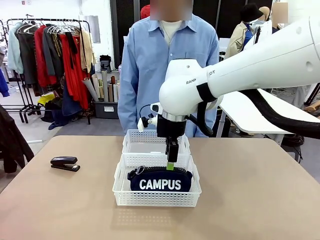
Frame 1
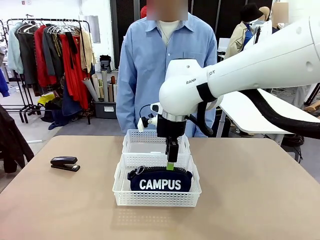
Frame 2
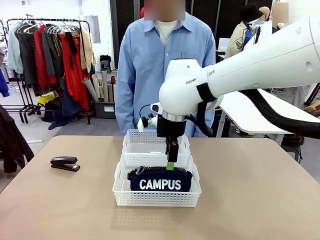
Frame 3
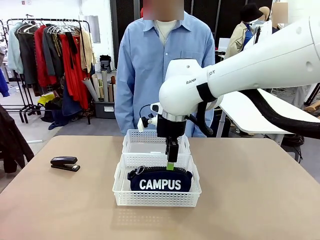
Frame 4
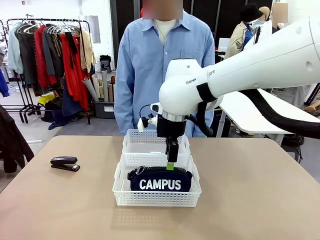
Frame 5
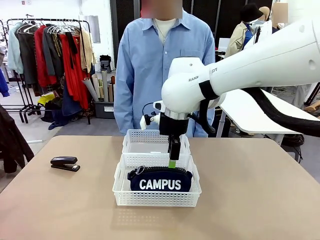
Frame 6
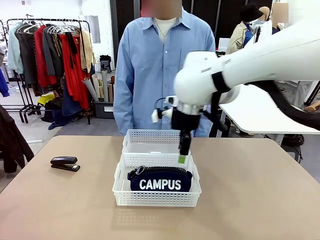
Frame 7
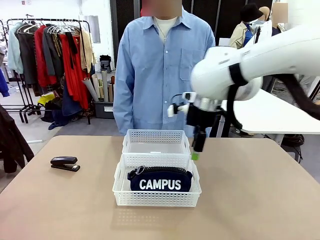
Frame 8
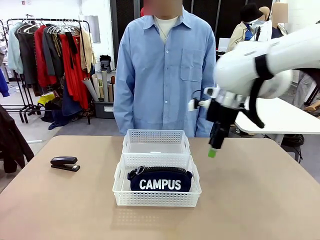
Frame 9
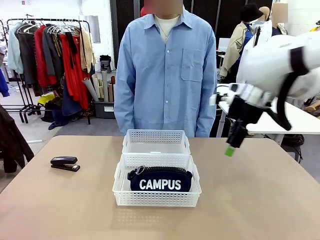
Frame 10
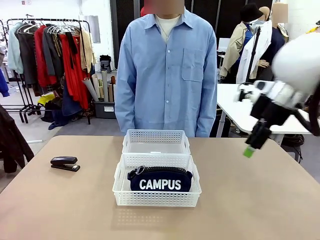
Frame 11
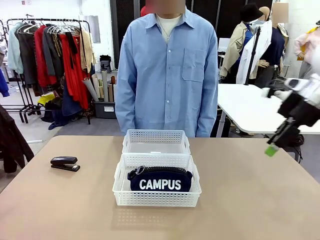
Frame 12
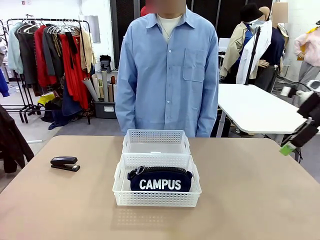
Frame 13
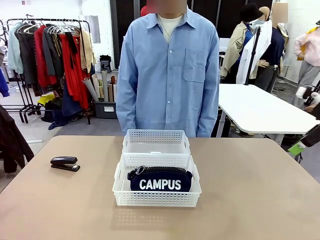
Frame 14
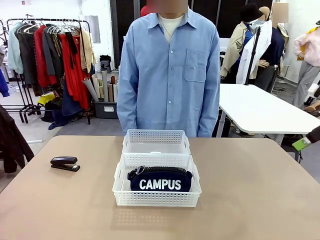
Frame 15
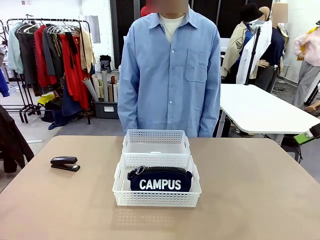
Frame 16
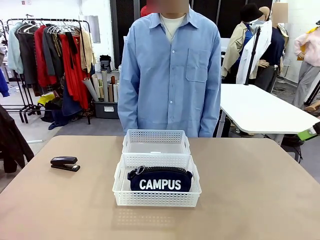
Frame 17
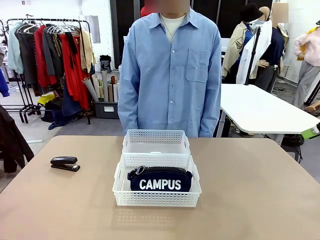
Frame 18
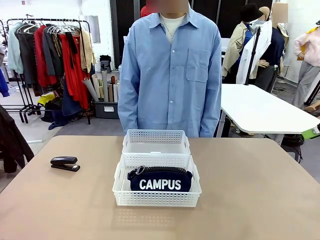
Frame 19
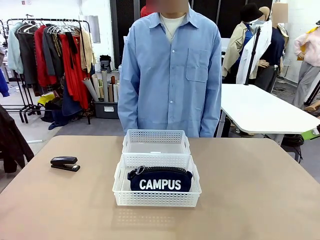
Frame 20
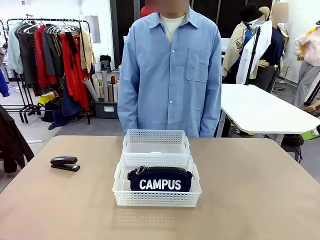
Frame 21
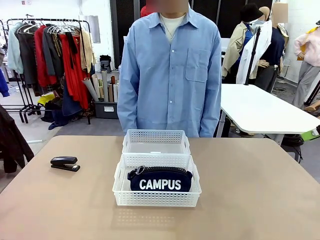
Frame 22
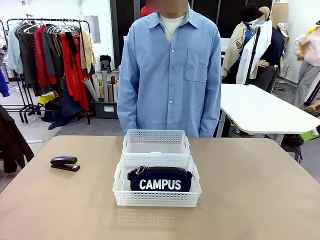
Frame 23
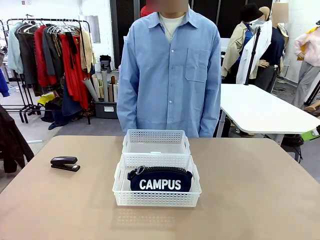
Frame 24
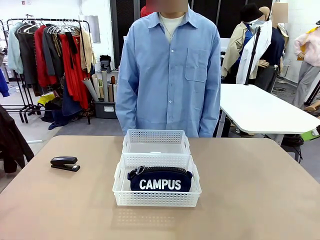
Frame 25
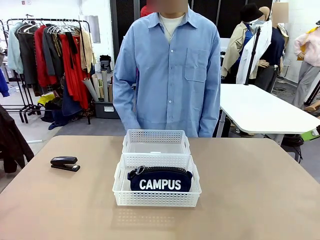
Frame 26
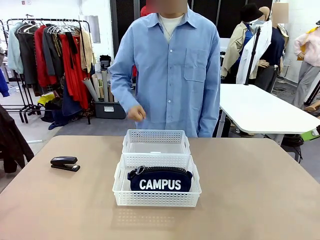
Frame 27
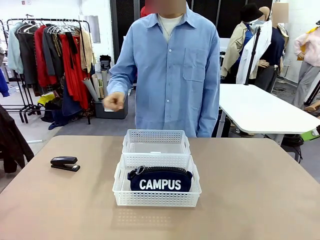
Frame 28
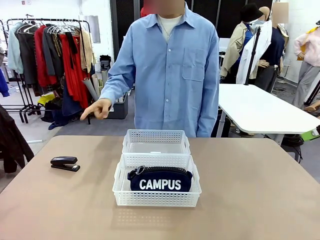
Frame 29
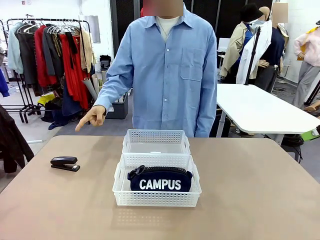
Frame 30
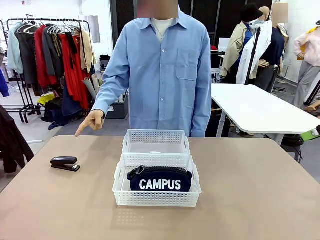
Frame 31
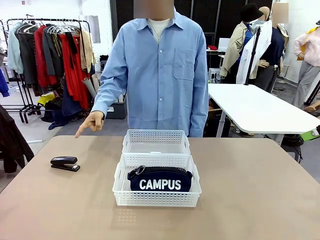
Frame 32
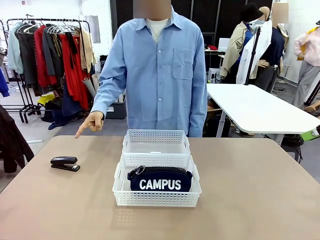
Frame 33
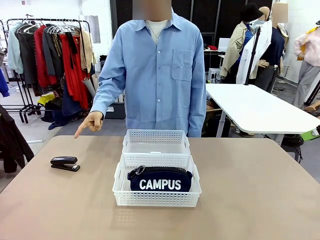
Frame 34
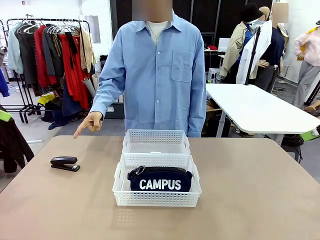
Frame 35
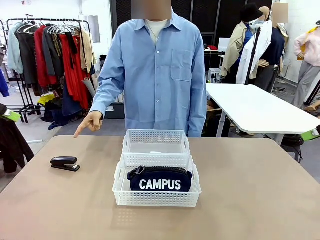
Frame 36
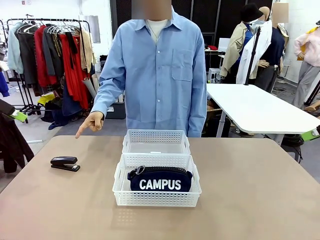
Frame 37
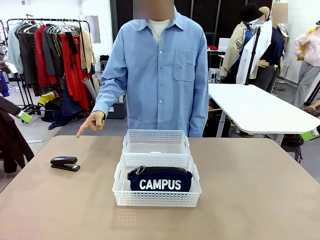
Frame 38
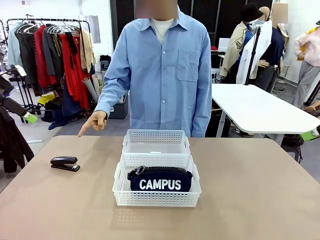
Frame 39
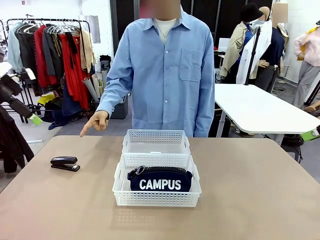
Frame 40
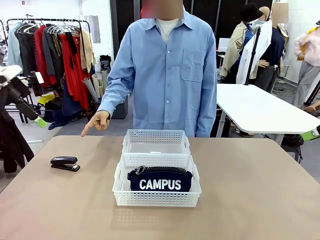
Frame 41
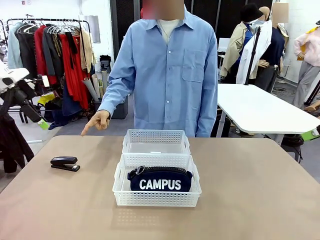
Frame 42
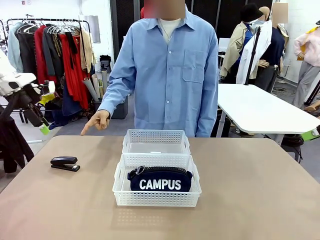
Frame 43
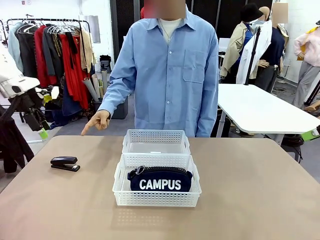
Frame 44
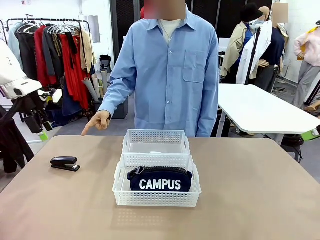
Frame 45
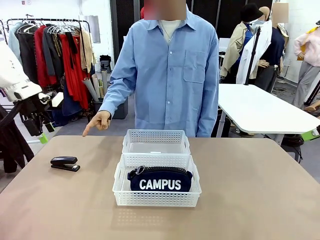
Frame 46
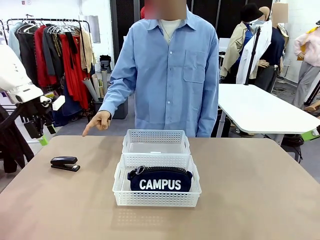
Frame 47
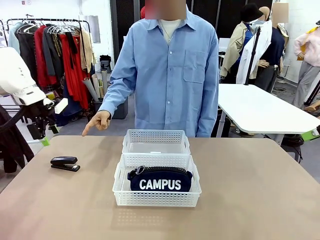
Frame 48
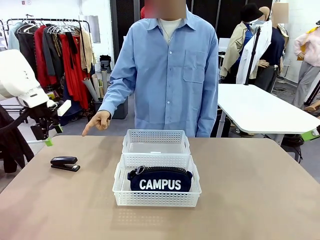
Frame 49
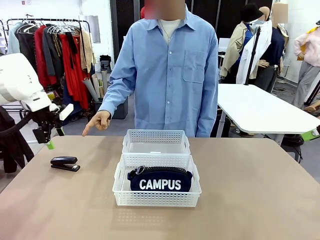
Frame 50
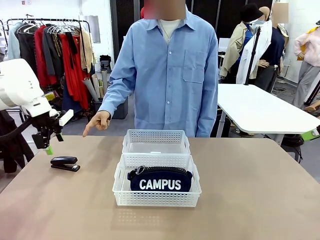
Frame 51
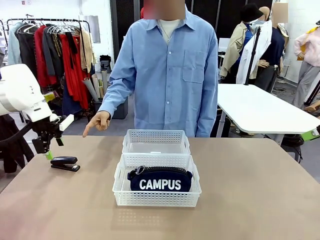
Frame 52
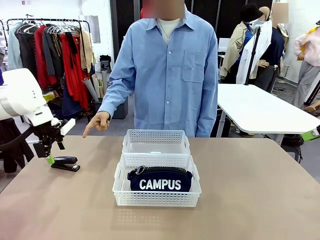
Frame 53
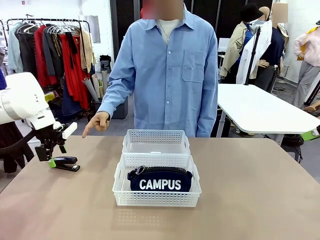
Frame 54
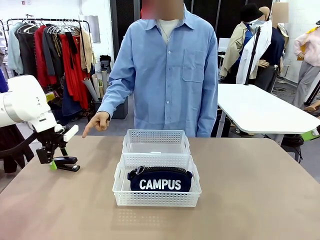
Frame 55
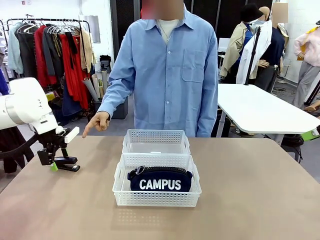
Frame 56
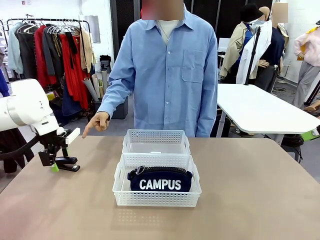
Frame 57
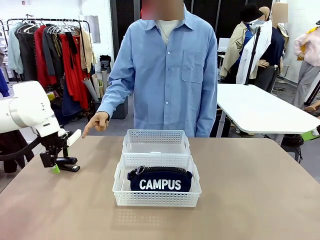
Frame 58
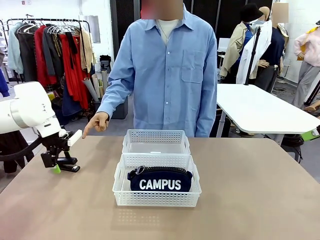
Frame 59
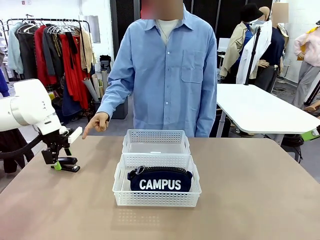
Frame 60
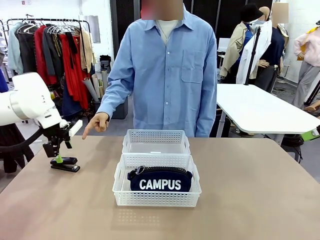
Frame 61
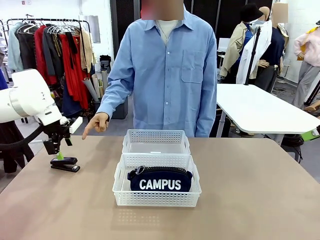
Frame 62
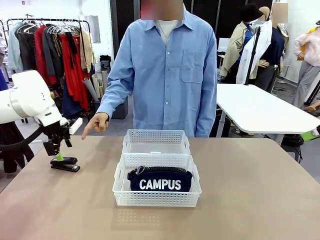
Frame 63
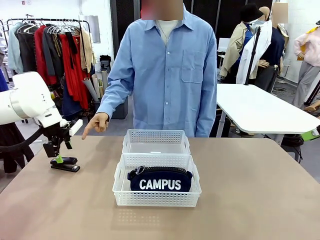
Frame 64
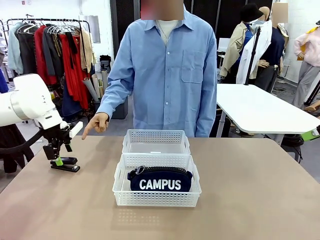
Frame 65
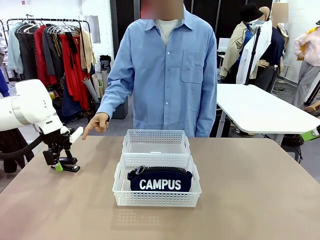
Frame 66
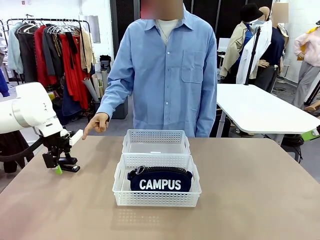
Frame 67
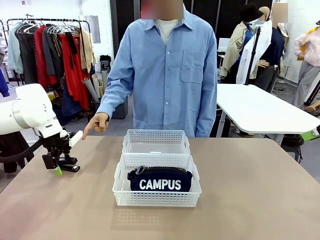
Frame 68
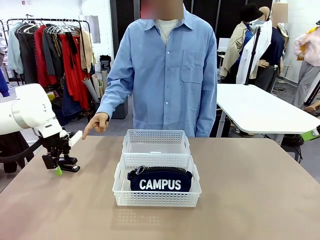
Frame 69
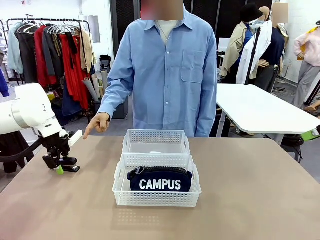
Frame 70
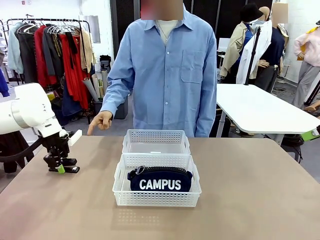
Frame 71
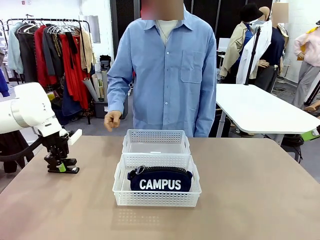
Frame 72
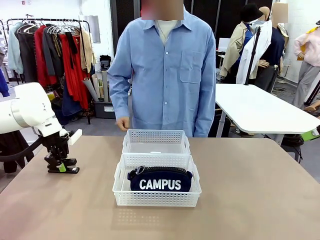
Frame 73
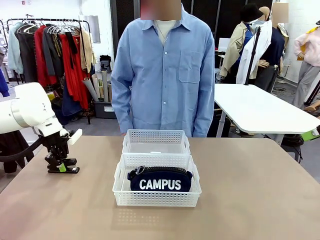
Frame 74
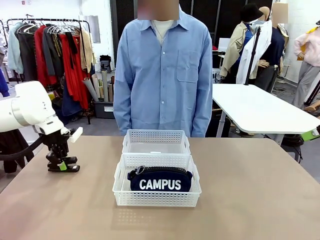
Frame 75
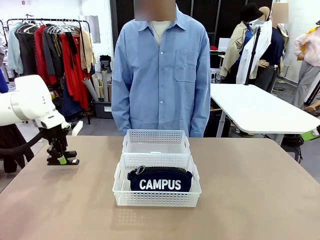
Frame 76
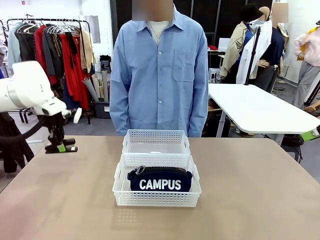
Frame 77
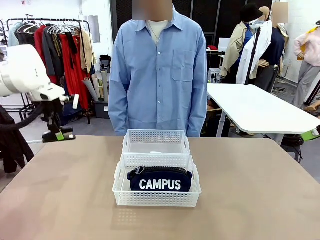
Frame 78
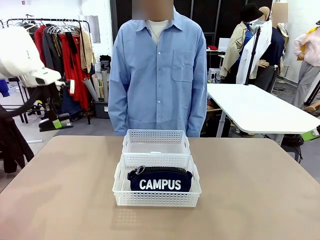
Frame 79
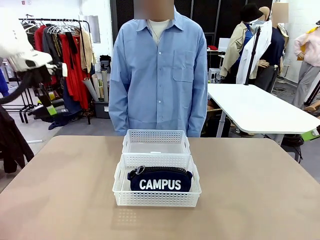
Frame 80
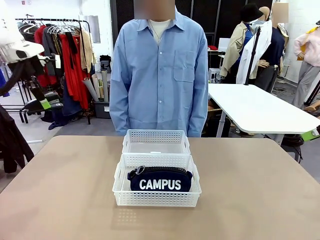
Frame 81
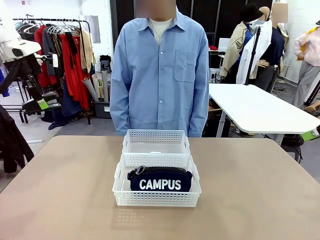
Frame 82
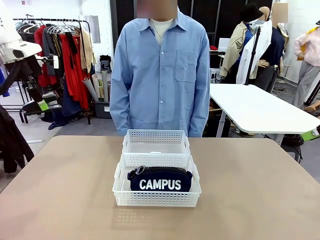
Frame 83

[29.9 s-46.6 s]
Task: Distribute items into two baskets.
Robot: Pick up the Stapler that the person points to.
